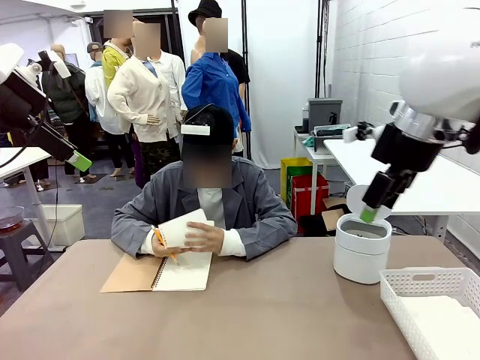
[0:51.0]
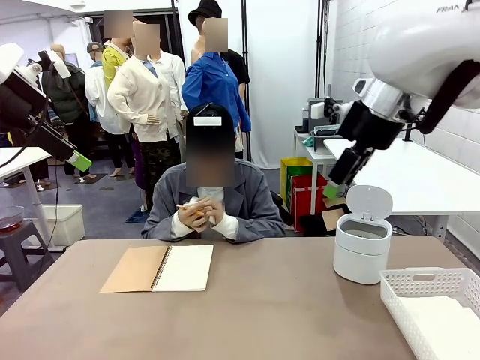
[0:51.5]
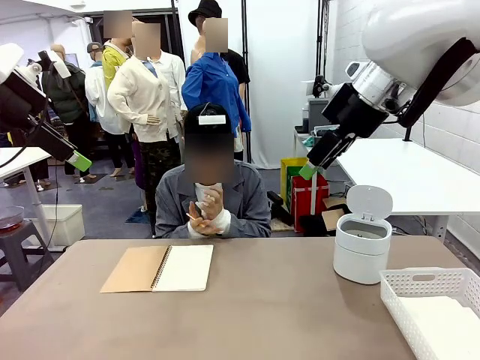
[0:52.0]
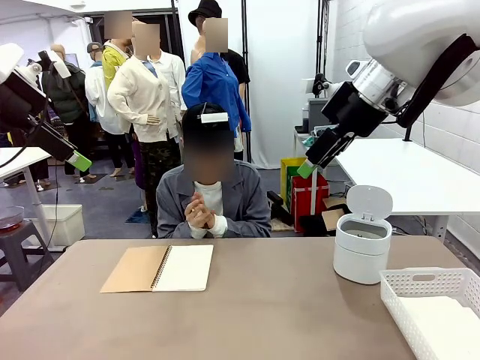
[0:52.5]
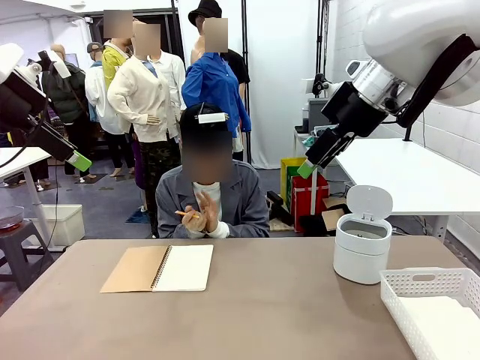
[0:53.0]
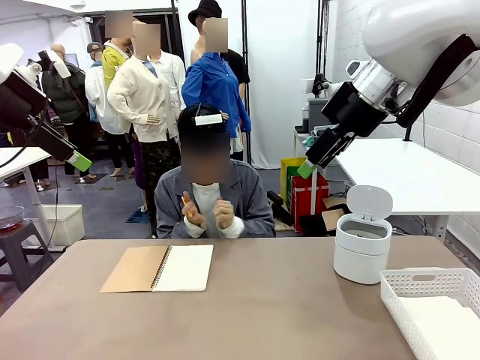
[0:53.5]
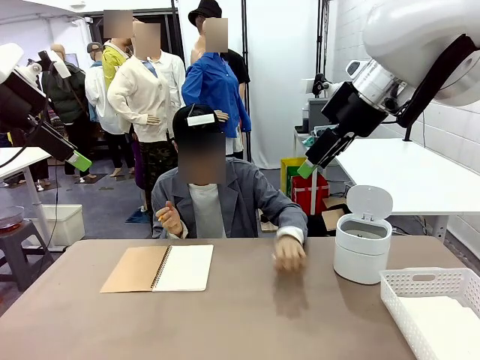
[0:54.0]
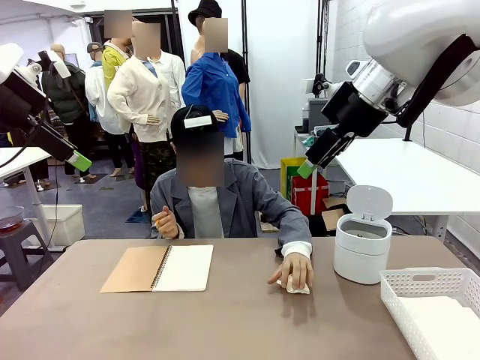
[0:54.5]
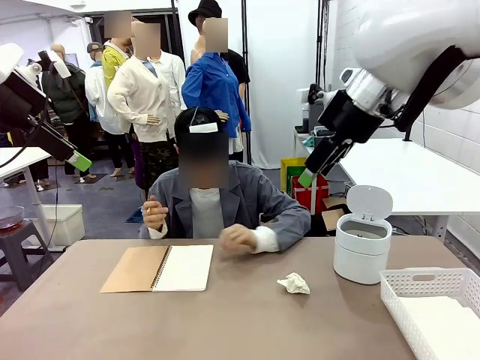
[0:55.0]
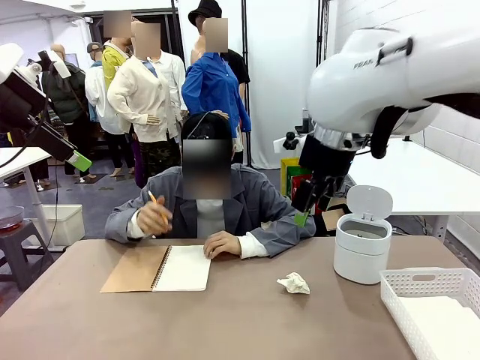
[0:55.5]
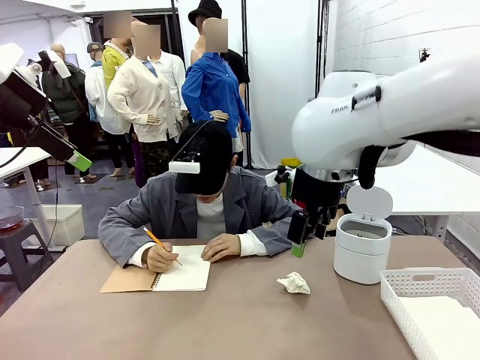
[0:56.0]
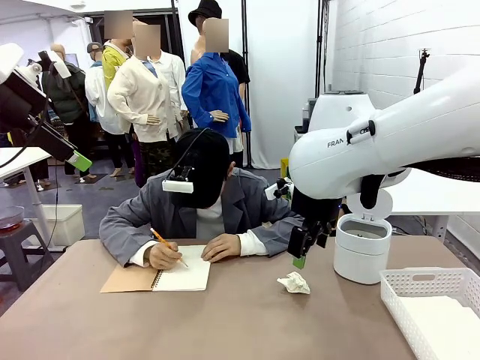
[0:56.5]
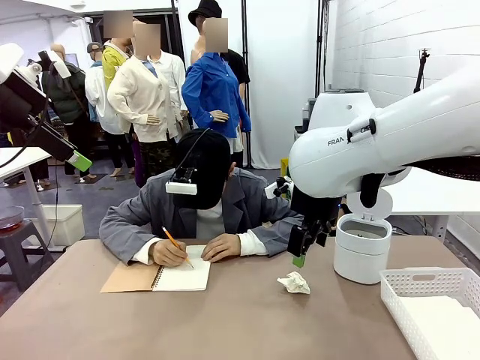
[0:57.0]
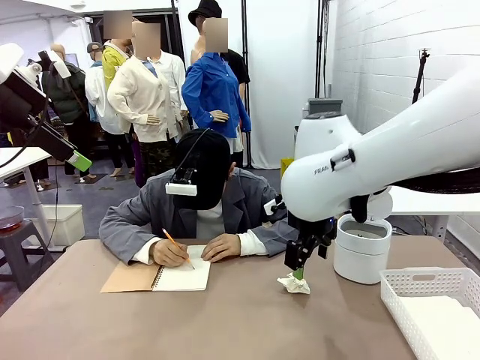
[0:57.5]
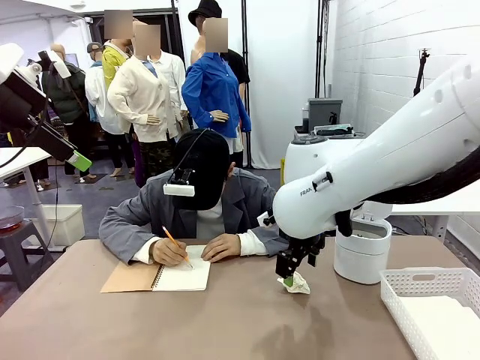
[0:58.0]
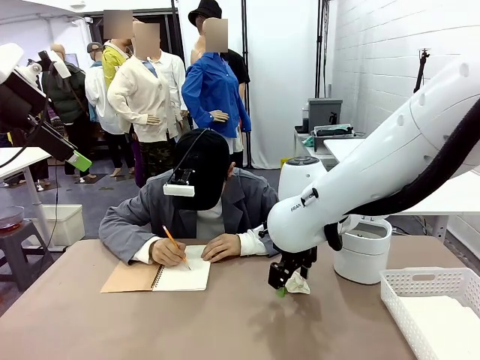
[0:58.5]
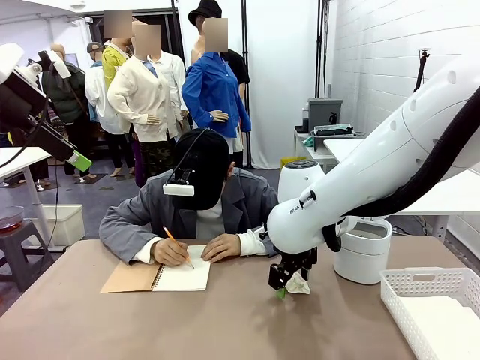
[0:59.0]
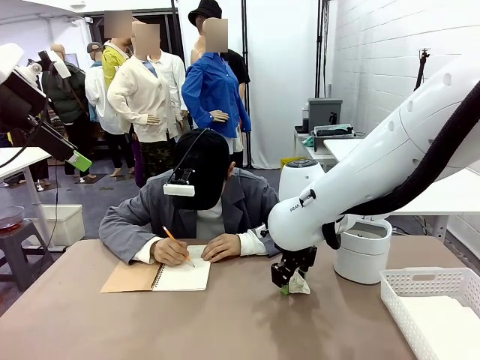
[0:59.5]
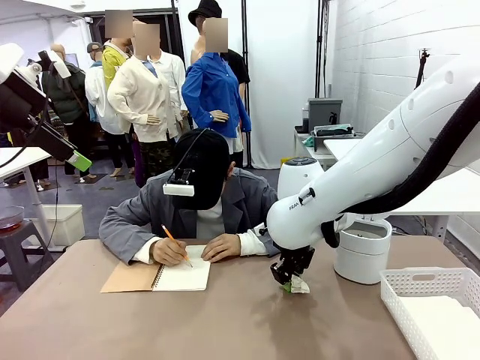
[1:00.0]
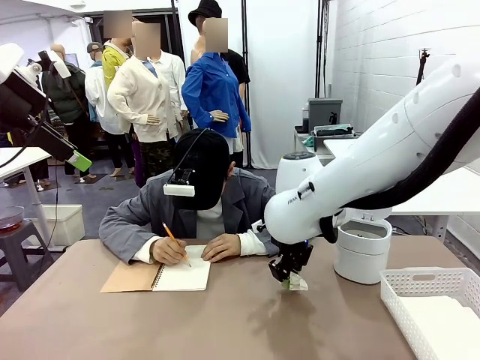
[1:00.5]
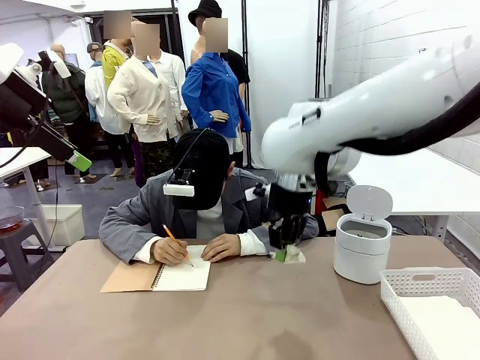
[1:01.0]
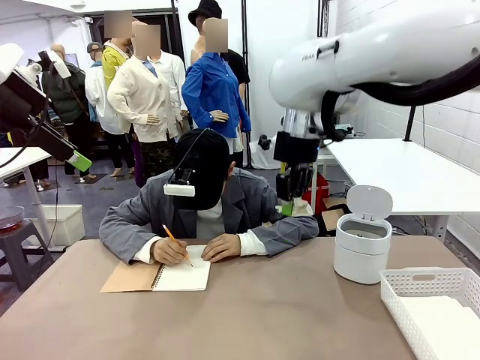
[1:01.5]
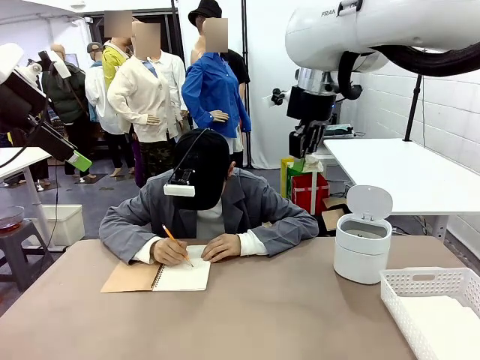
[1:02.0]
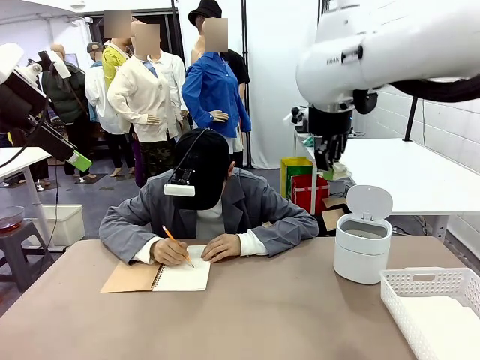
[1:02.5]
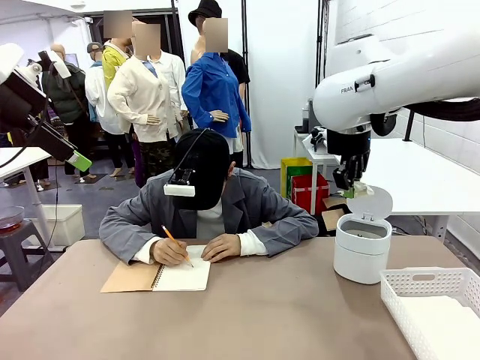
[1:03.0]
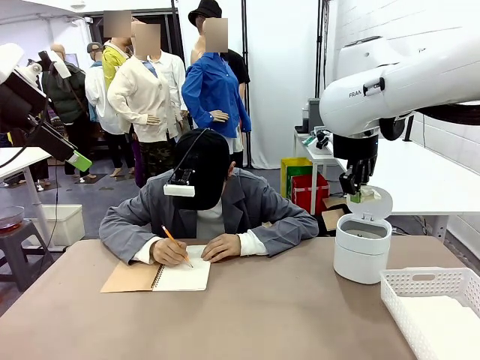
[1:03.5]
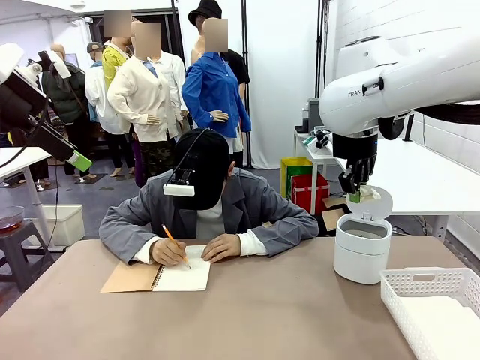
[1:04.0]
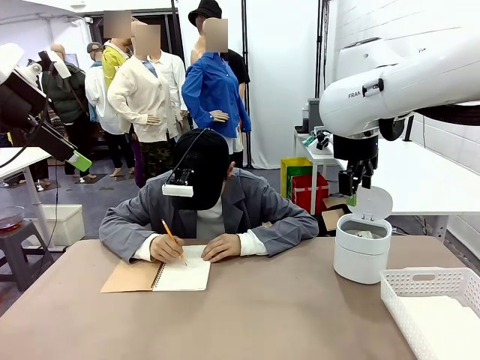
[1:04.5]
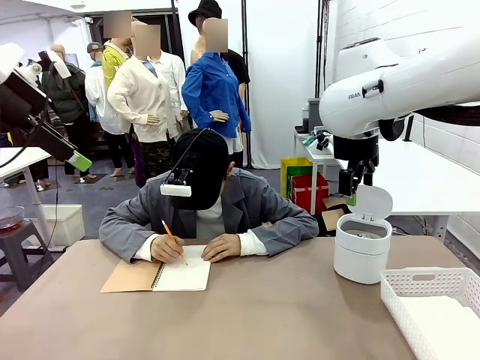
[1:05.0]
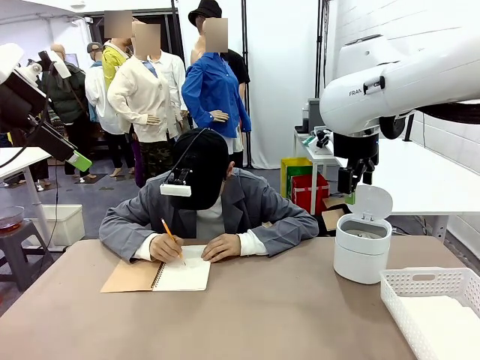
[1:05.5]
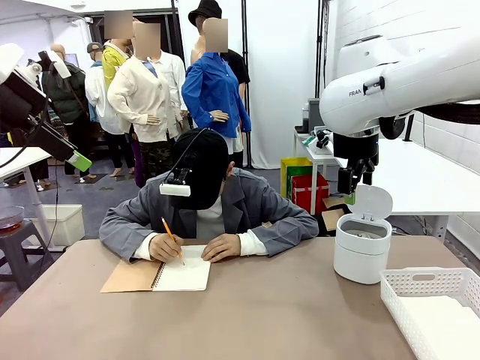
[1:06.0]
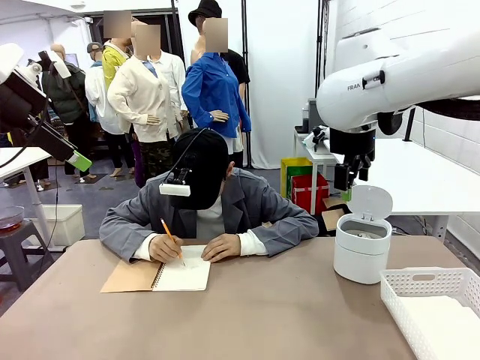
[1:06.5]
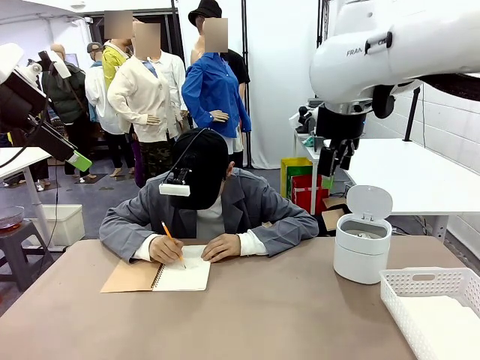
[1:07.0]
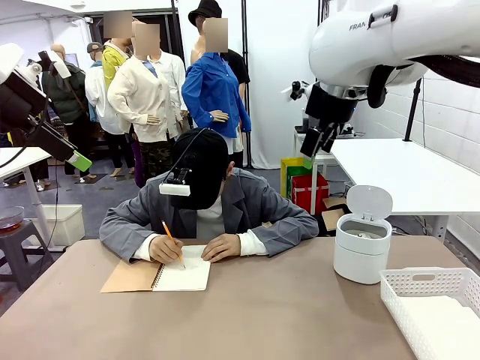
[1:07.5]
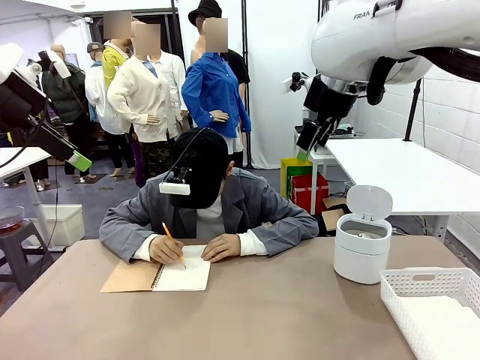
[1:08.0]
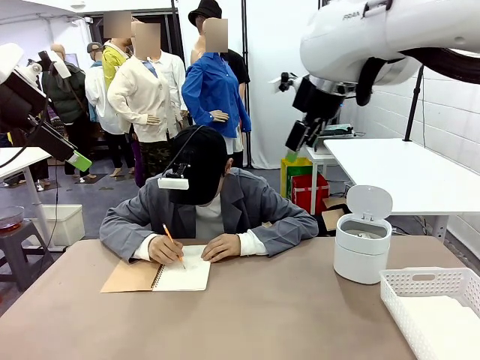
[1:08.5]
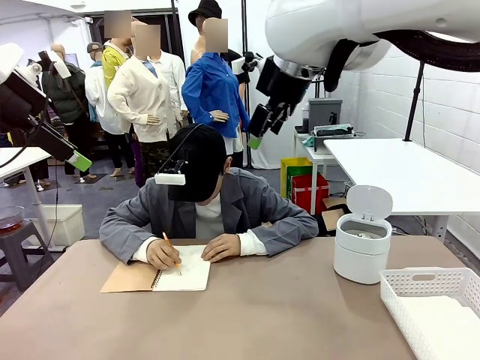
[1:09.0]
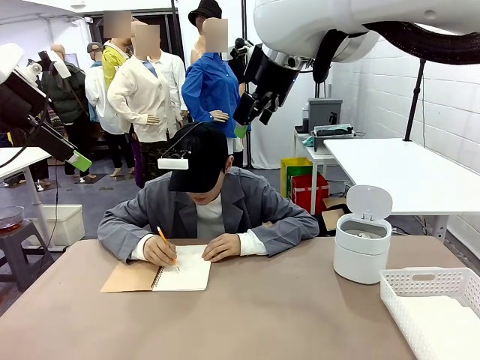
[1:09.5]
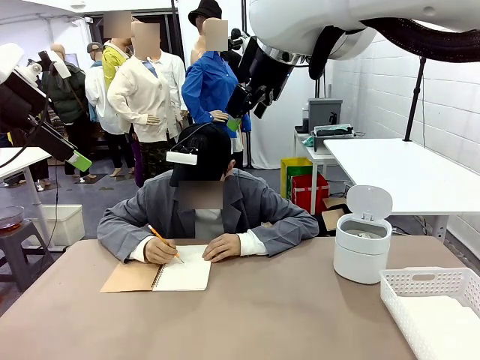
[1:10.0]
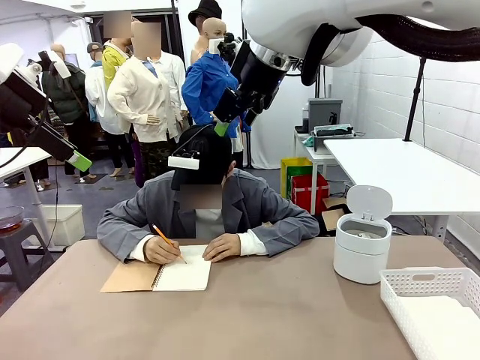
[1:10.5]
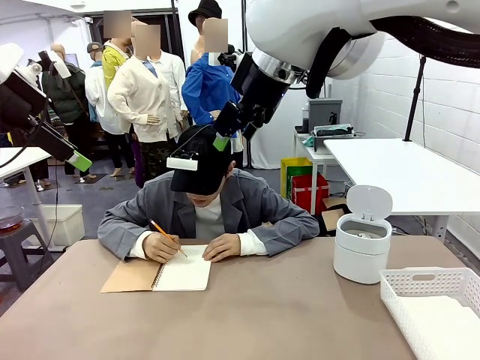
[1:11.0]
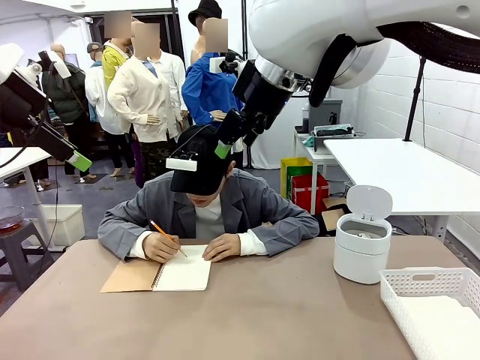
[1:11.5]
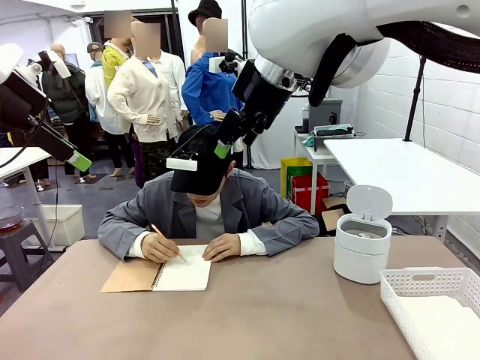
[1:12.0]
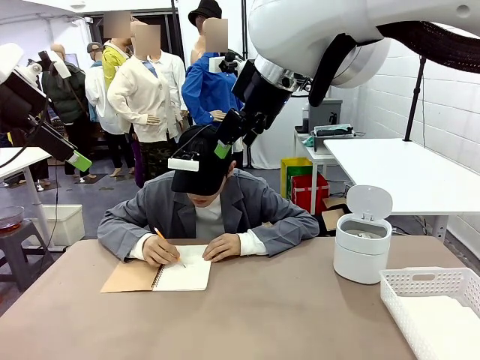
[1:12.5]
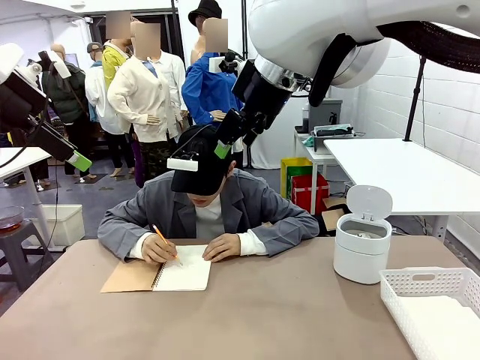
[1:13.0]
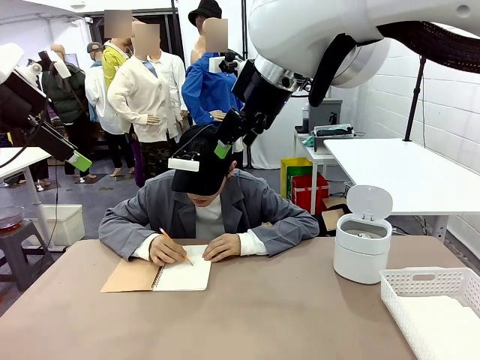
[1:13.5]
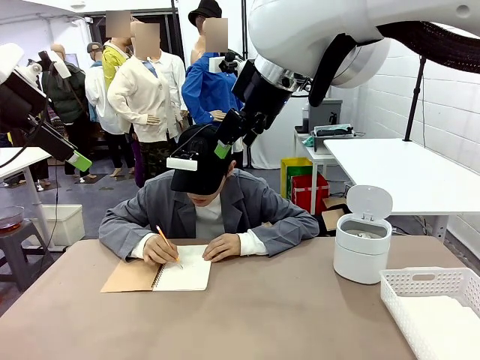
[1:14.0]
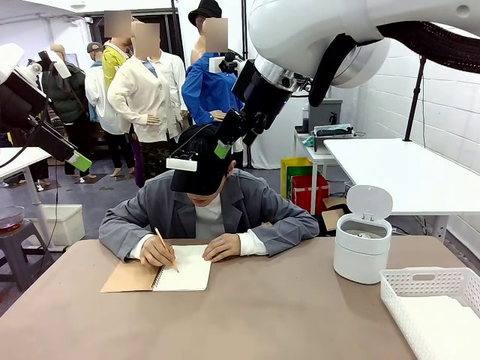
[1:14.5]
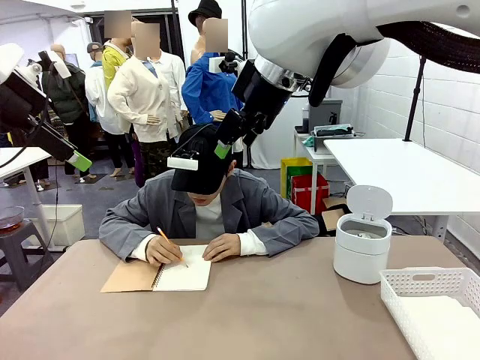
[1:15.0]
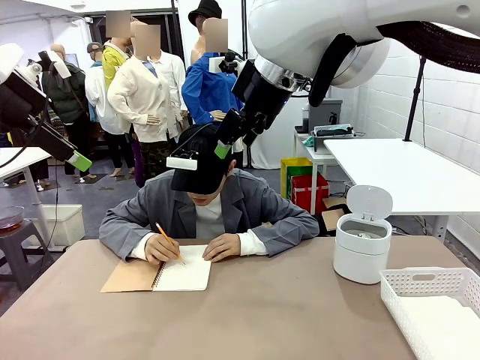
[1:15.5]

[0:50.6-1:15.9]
Task: Sort the paper based on its condition.
Robot: If a person hands you a paper, place it in the Organizing basket , and if it's crumpled, put it in the Trash can.
Person: Hand the torn page to the robot or crumple it and throw it to the center of the table.
